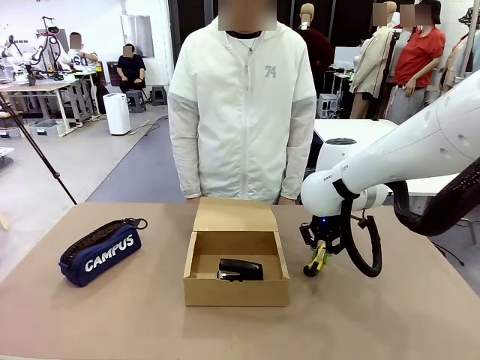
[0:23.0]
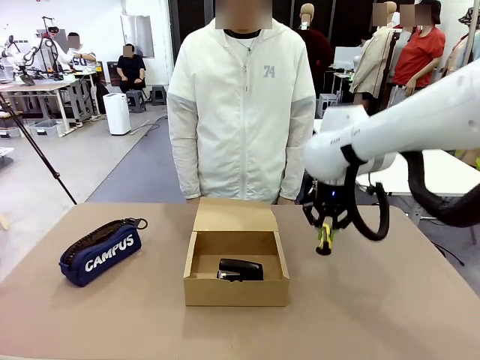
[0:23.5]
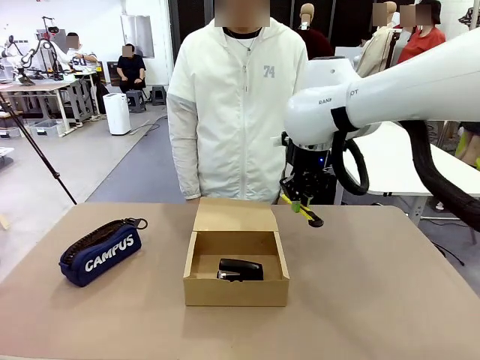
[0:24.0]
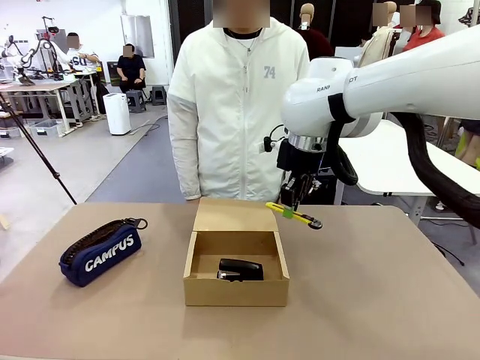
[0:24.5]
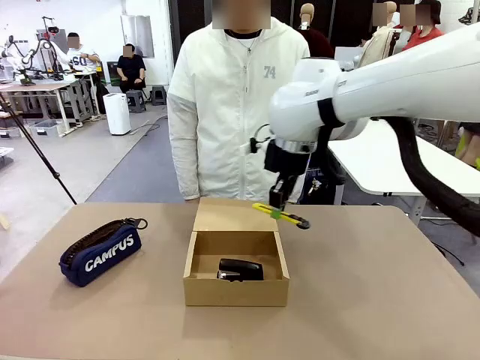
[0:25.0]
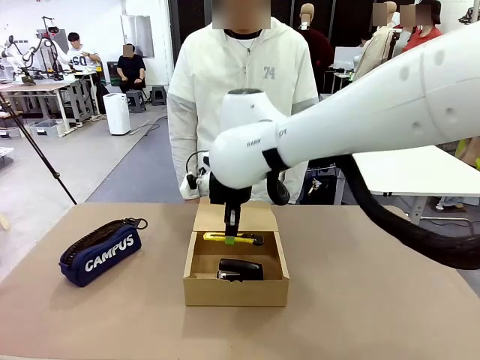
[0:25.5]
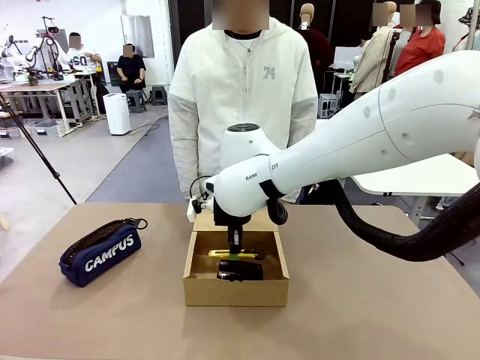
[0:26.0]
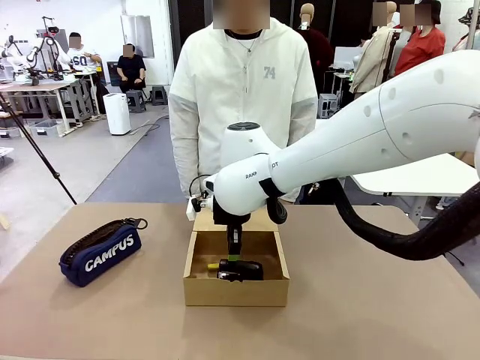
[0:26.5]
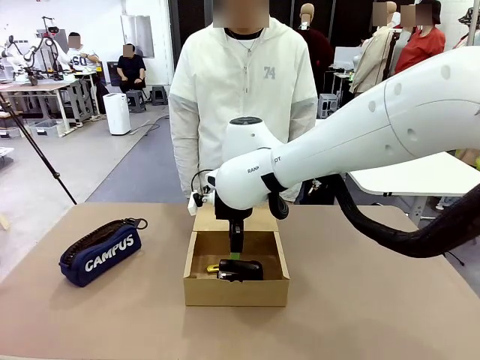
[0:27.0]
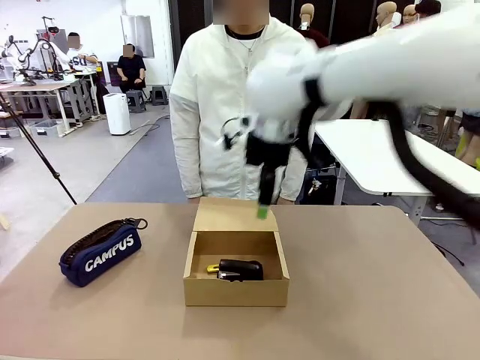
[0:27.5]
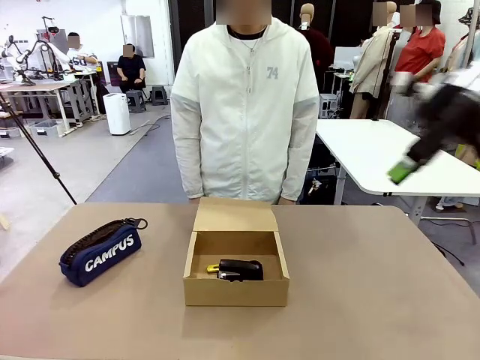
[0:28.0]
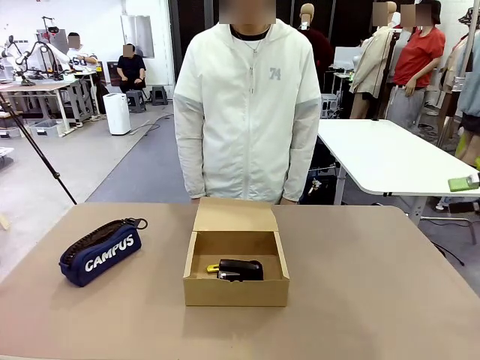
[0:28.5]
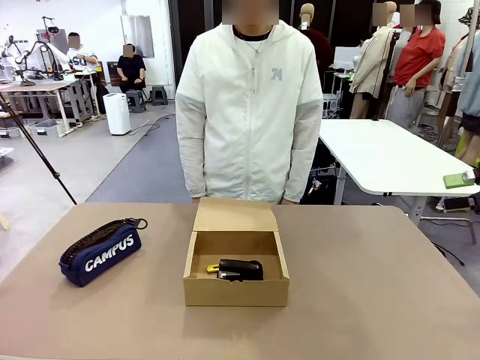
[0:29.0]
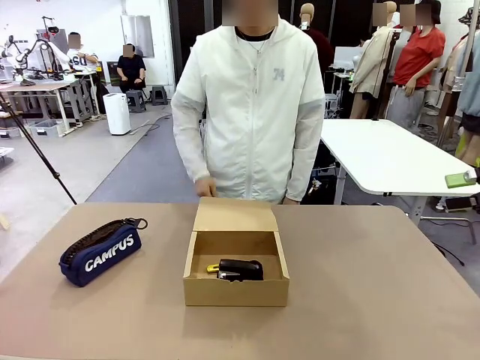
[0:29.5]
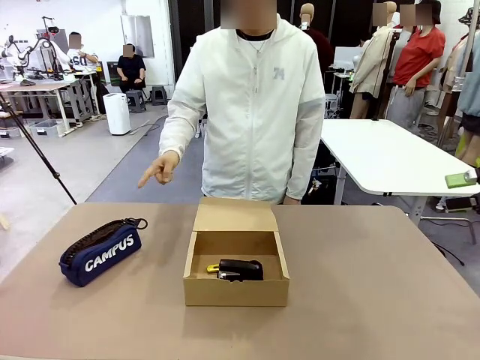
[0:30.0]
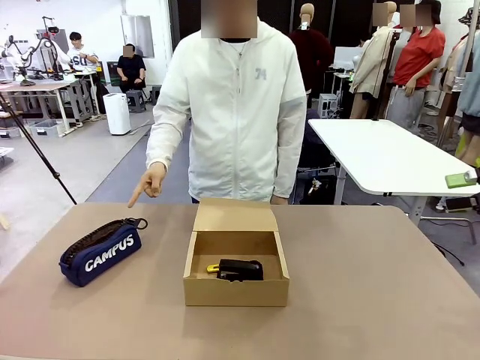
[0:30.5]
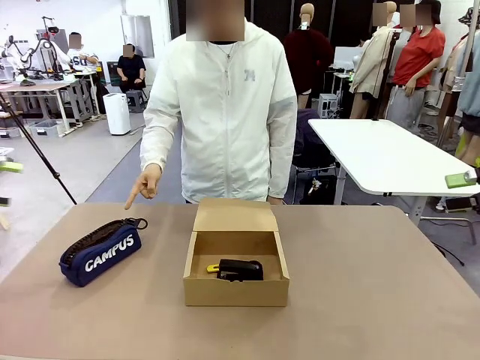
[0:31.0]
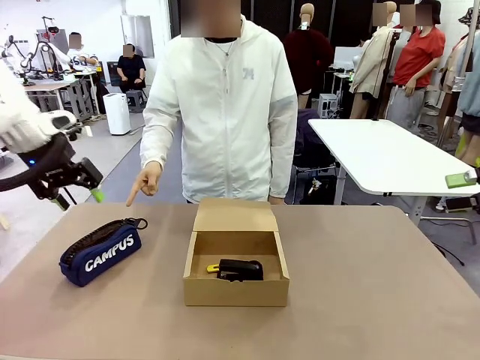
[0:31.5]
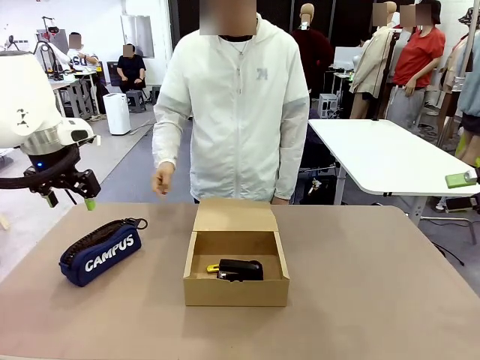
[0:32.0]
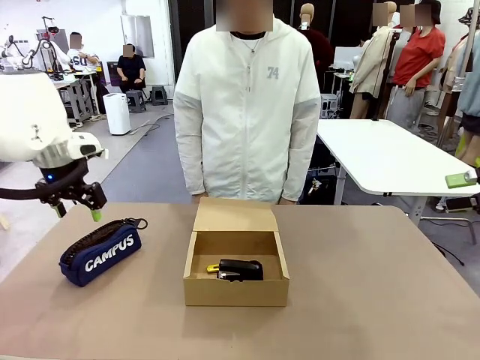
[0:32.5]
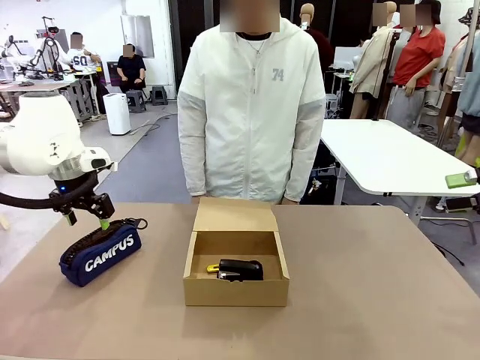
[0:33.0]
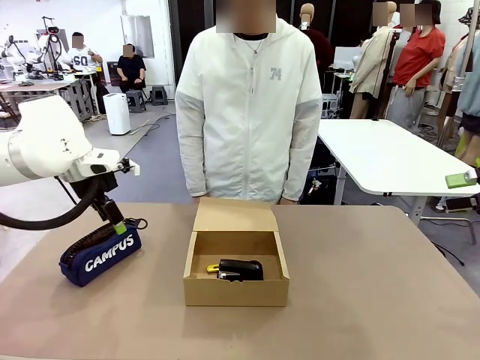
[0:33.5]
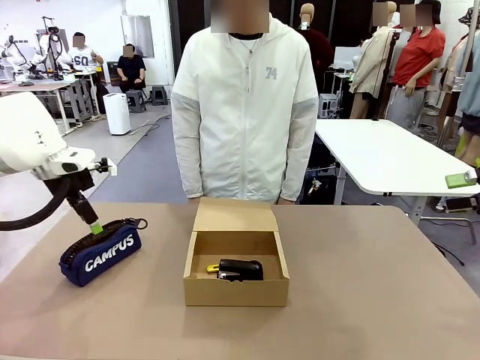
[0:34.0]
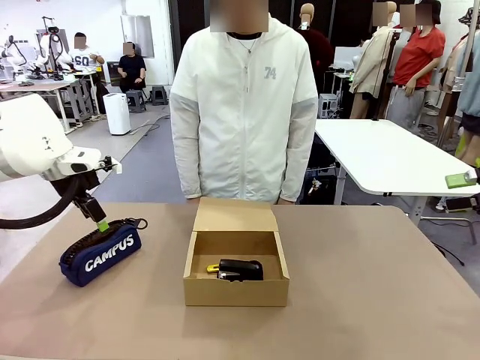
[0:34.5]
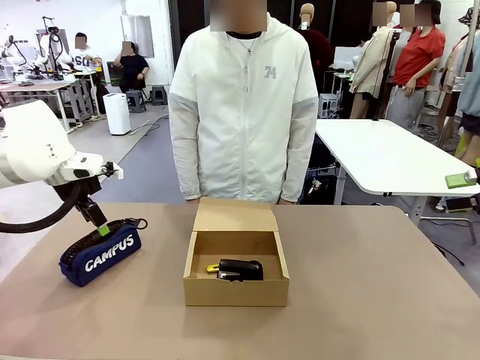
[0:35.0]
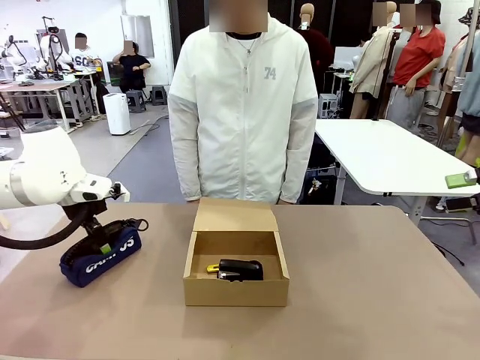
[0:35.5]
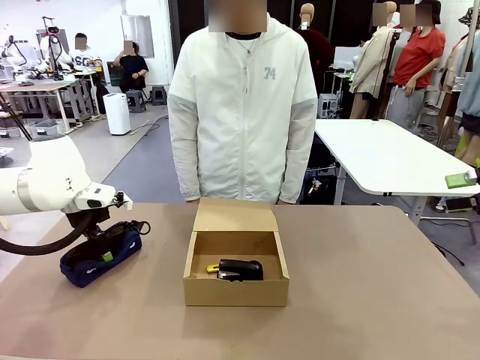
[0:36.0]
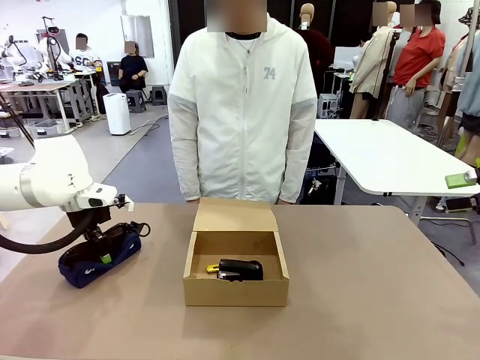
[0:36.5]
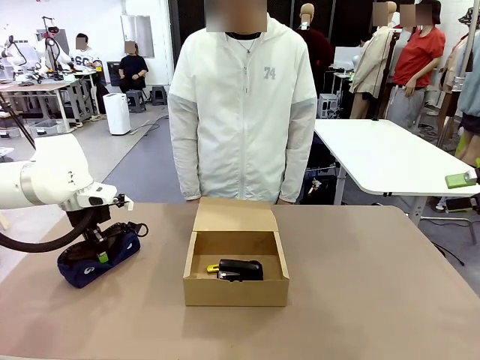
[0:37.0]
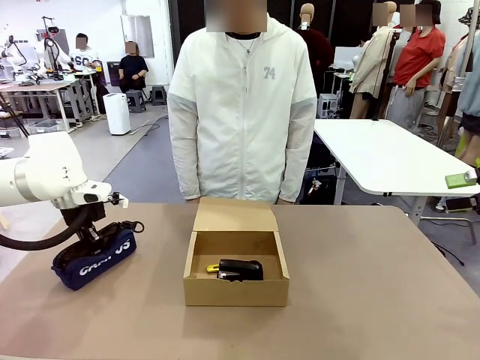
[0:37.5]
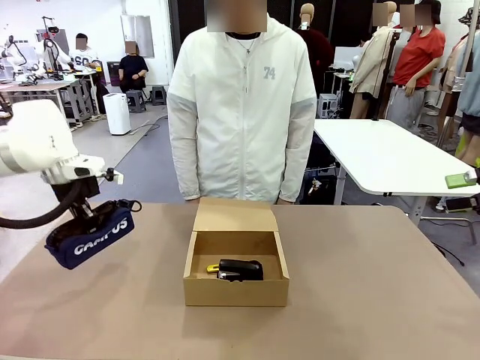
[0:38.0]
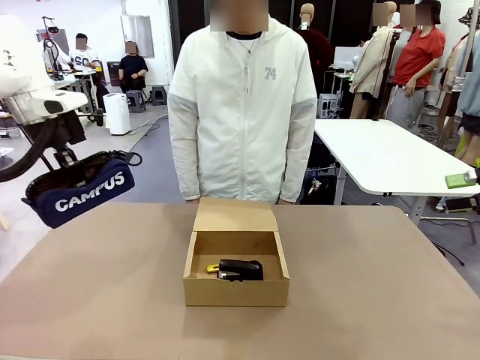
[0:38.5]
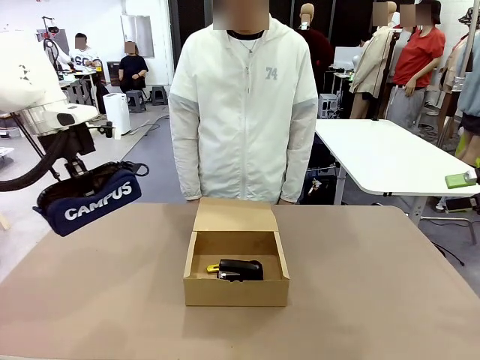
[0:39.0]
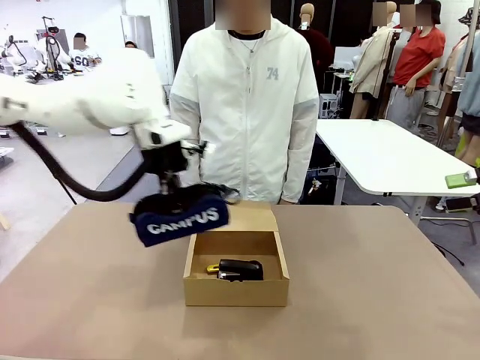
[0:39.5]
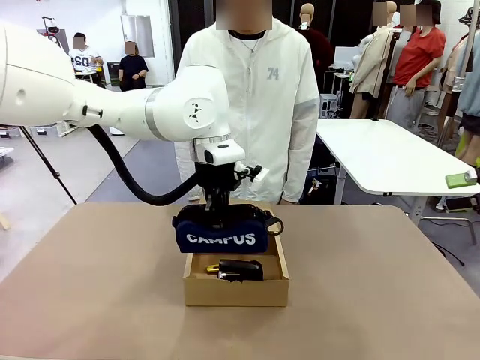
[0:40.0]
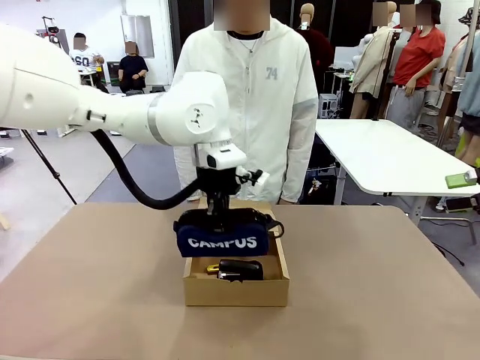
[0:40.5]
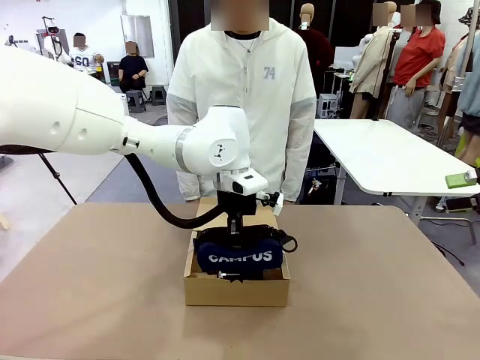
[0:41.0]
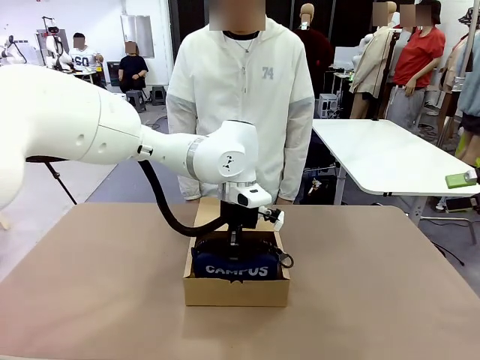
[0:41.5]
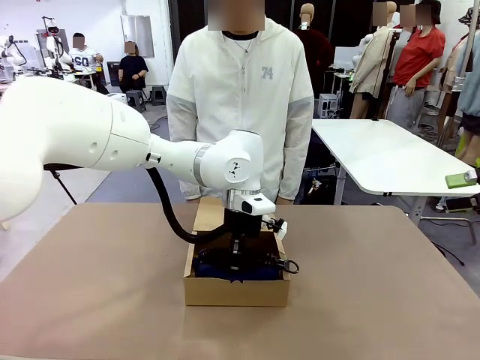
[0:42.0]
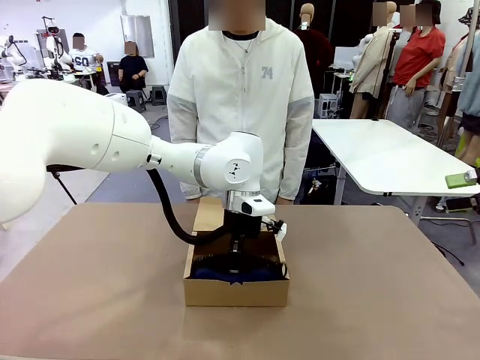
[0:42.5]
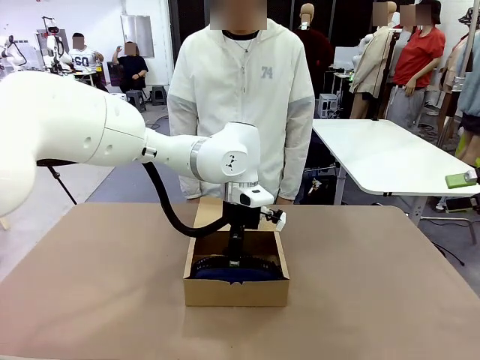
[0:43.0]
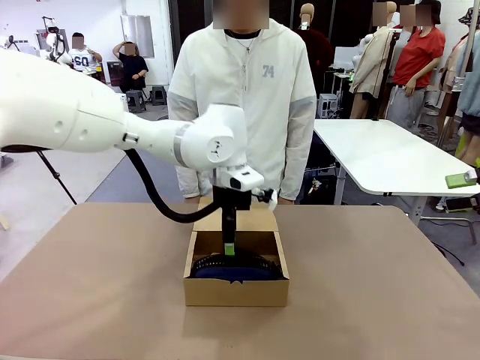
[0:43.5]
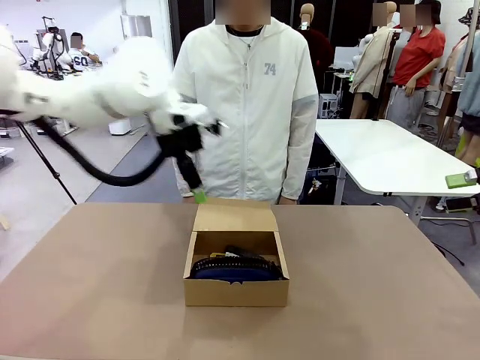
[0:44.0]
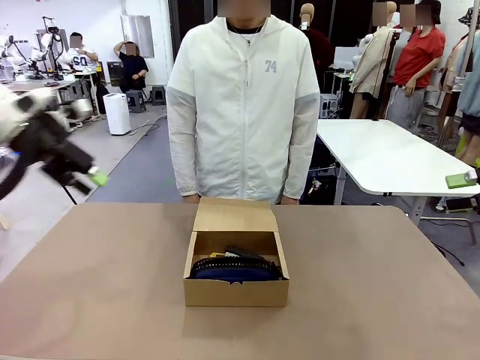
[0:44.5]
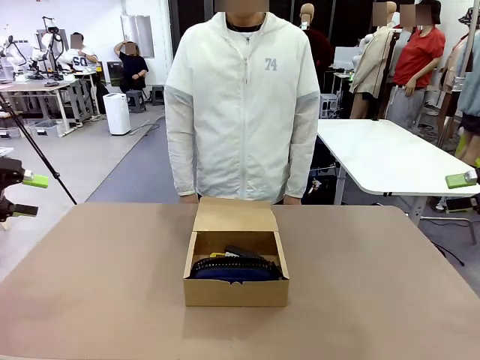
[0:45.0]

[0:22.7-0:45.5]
Task: Pack the items into the box.
Robot: Pick up the item indicated by the person and place it inside the Mailer Box.
Person: Lower both hands vertically with palms facing downward, as if pressing something closed.

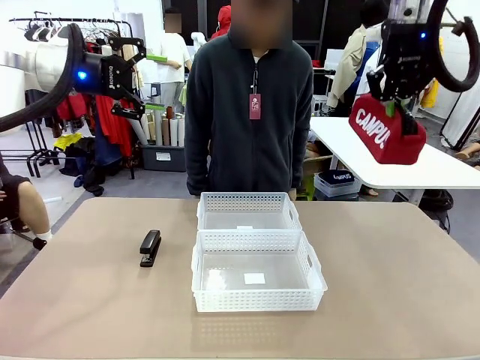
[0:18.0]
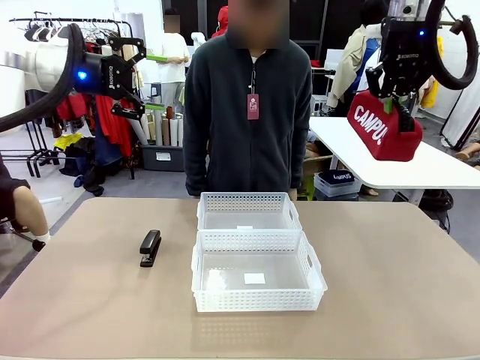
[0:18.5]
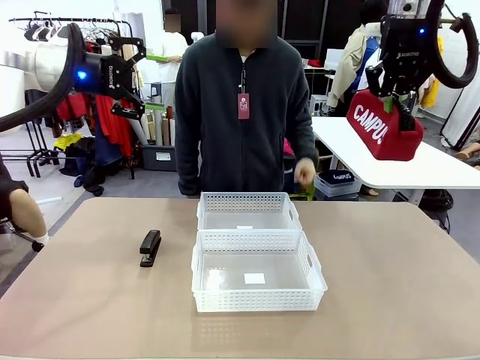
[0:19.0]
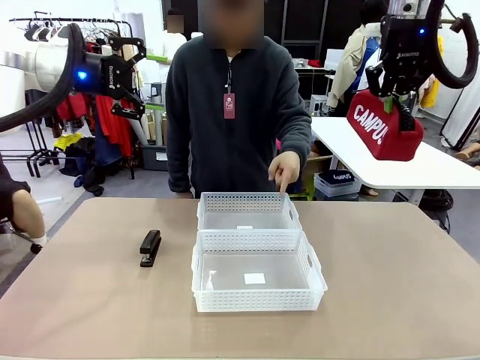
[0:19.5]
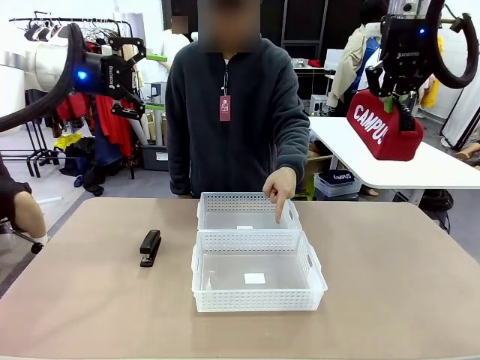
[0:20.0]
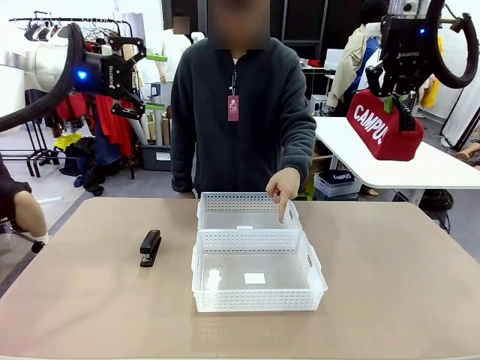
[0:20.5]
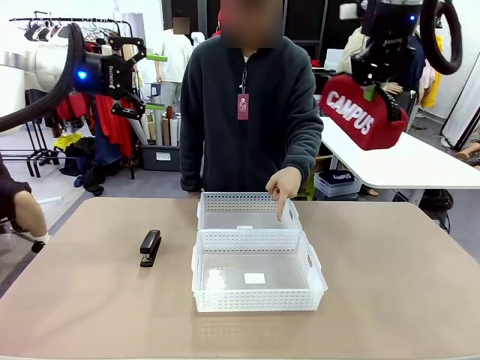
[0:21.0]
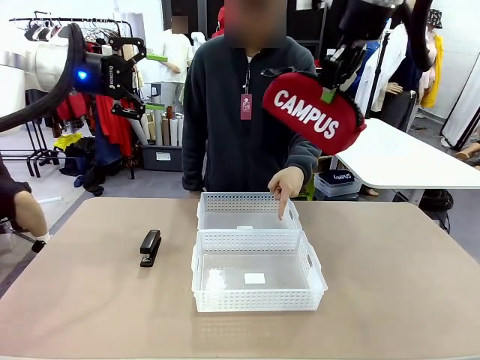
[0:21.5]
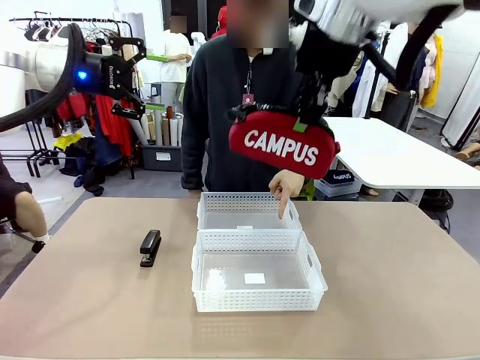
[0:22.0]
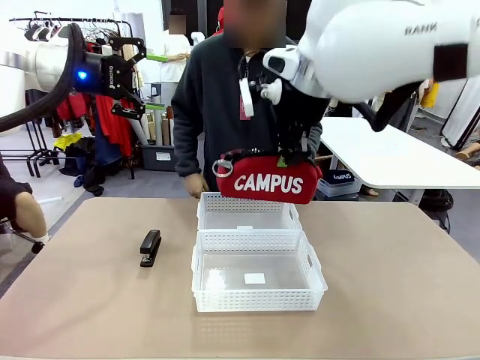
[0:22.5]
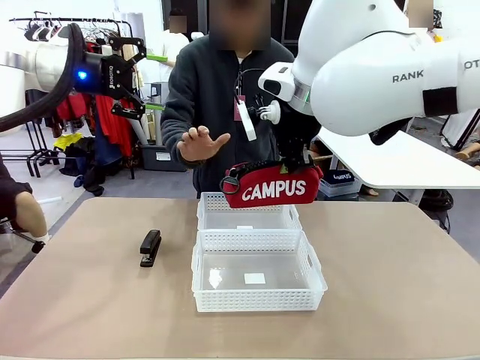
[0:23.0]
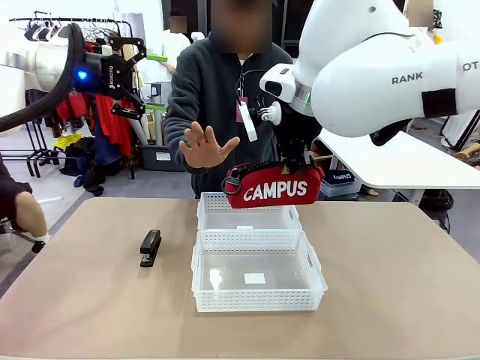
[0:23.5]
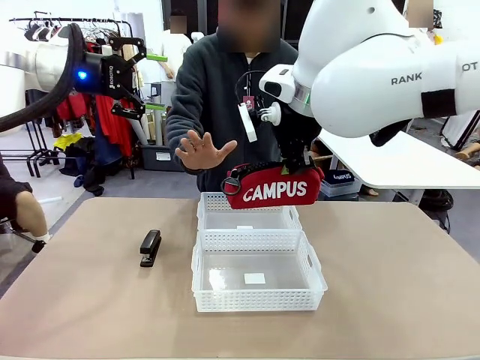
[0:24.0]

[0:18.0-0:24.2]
Task: Distribute items into two baskets.
Robot: Move the picked Pencil pouch towards the Organizing basket indicated by the person, stopping as directed.
Person: Sends a stop gesture before the robot places the pencil case into the basket.
